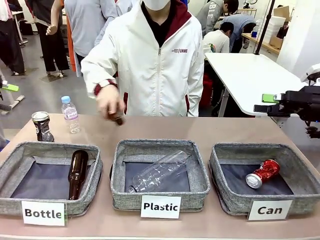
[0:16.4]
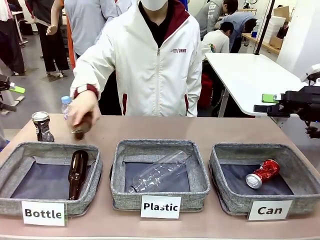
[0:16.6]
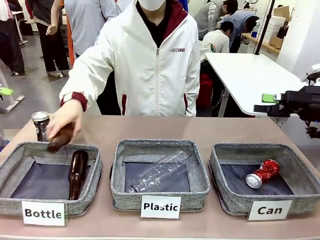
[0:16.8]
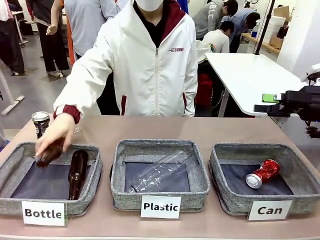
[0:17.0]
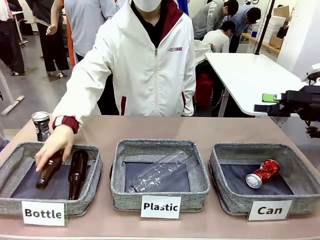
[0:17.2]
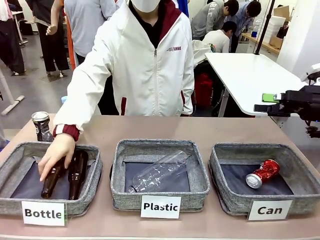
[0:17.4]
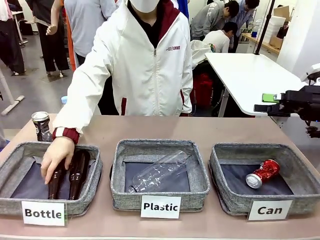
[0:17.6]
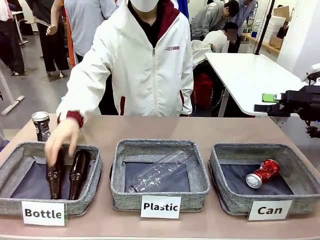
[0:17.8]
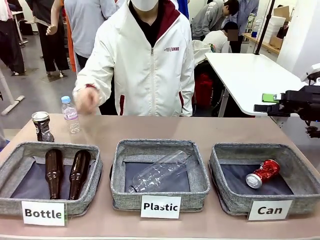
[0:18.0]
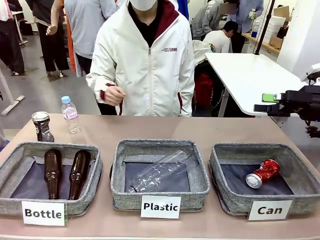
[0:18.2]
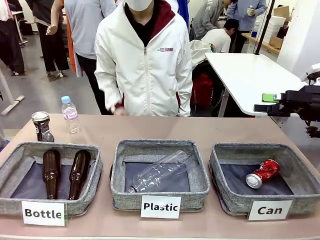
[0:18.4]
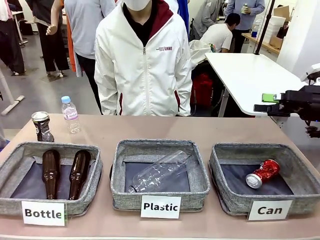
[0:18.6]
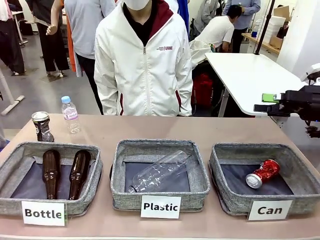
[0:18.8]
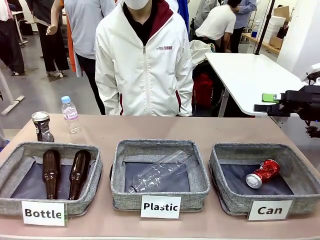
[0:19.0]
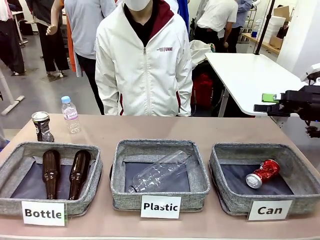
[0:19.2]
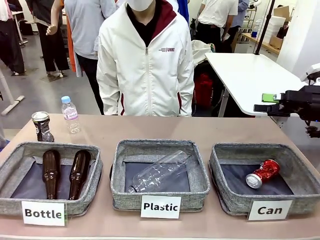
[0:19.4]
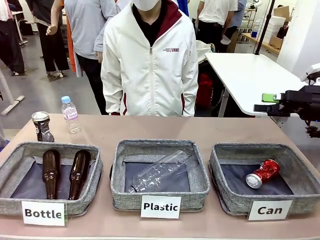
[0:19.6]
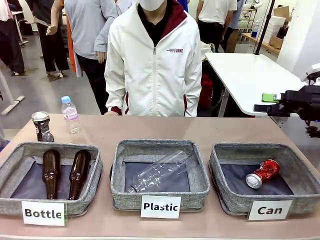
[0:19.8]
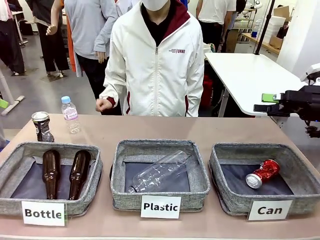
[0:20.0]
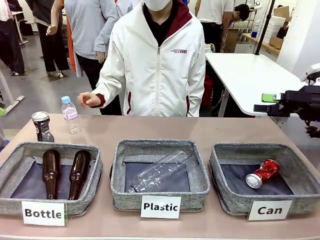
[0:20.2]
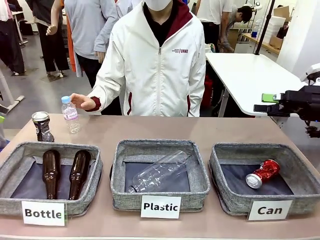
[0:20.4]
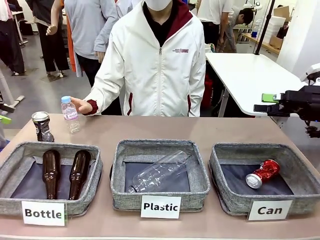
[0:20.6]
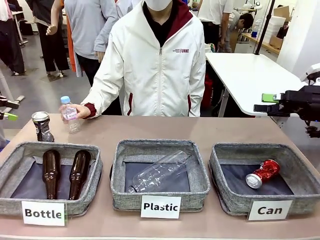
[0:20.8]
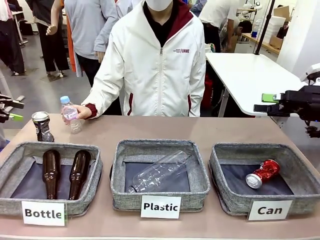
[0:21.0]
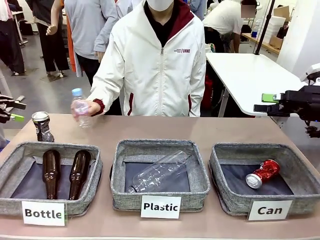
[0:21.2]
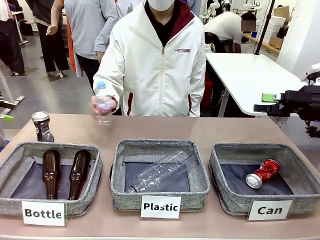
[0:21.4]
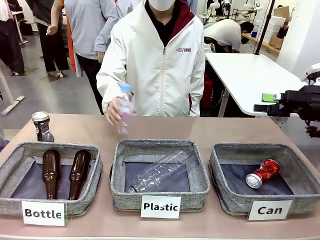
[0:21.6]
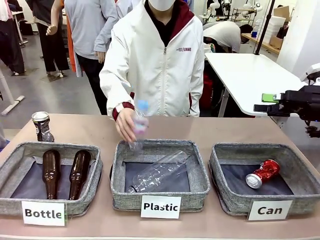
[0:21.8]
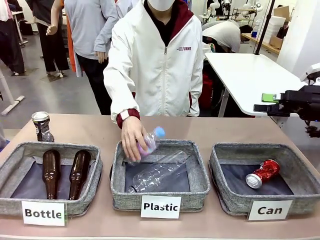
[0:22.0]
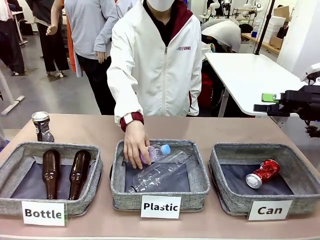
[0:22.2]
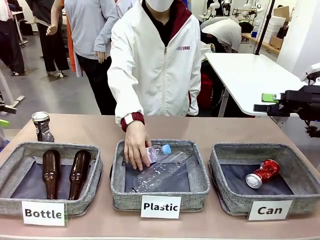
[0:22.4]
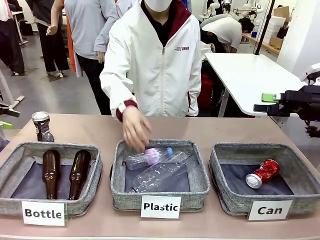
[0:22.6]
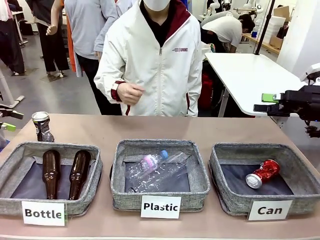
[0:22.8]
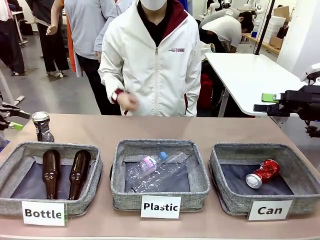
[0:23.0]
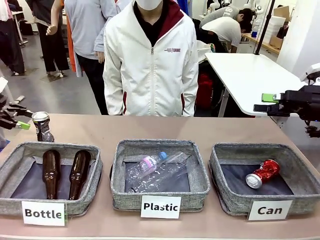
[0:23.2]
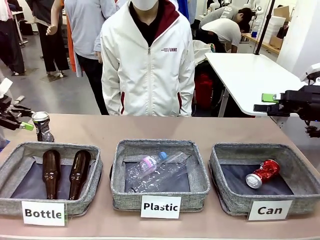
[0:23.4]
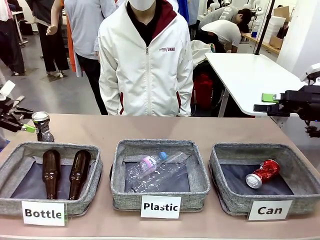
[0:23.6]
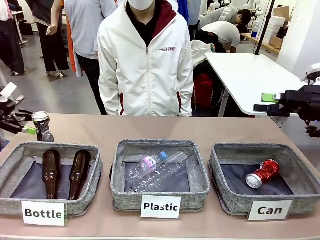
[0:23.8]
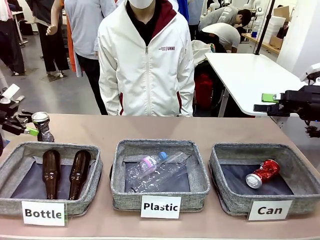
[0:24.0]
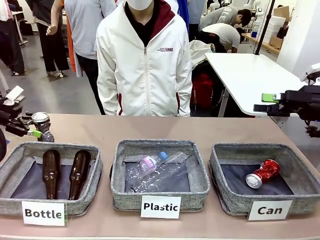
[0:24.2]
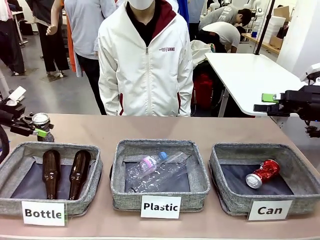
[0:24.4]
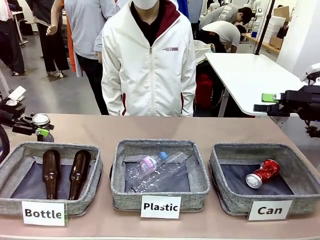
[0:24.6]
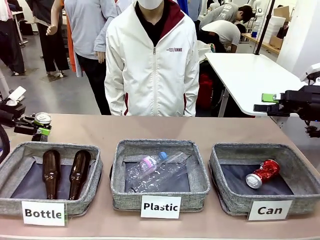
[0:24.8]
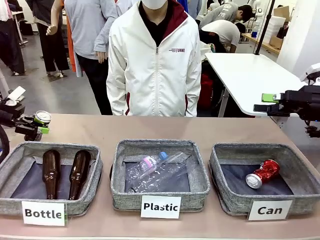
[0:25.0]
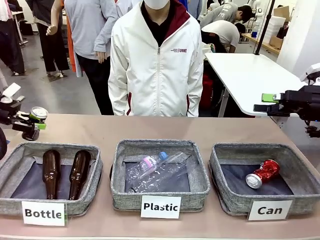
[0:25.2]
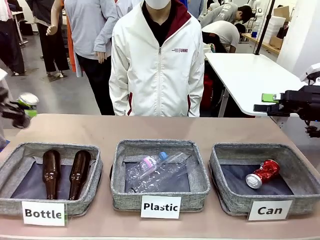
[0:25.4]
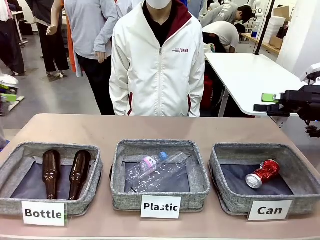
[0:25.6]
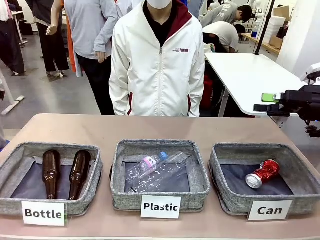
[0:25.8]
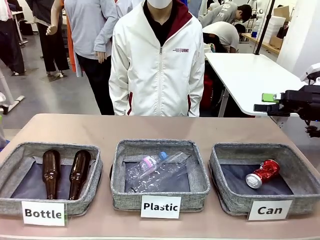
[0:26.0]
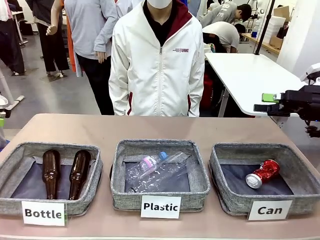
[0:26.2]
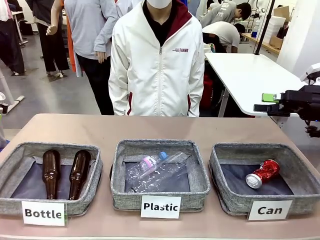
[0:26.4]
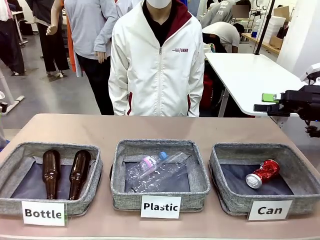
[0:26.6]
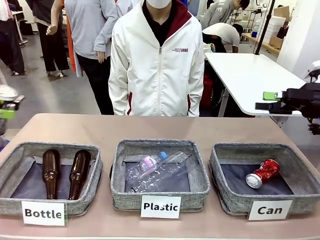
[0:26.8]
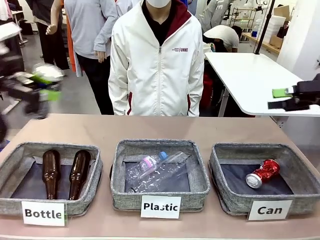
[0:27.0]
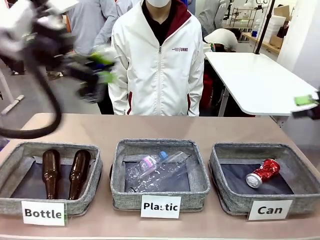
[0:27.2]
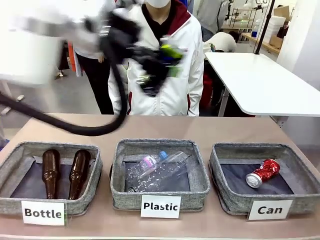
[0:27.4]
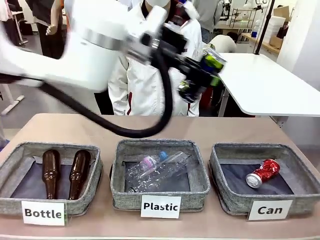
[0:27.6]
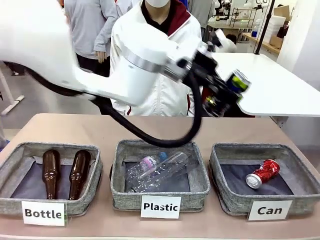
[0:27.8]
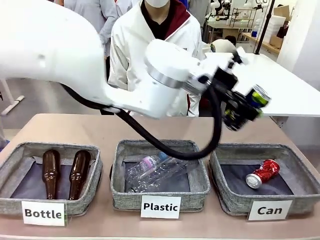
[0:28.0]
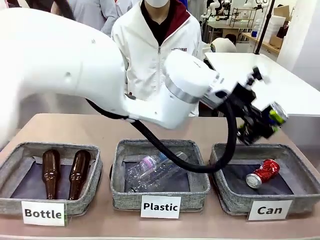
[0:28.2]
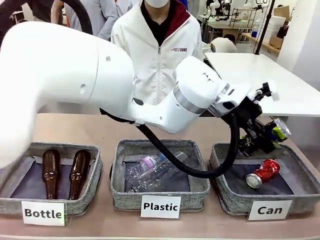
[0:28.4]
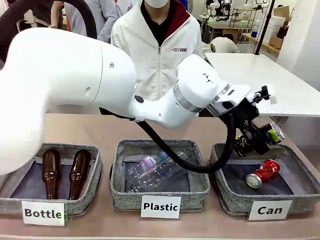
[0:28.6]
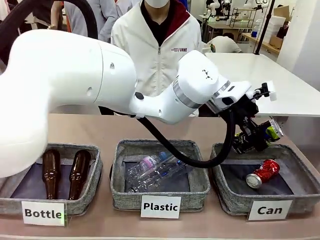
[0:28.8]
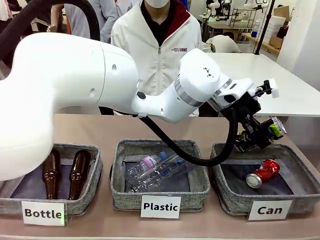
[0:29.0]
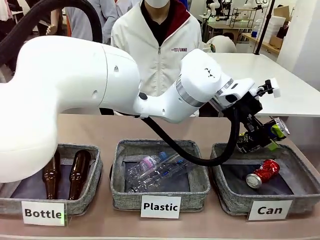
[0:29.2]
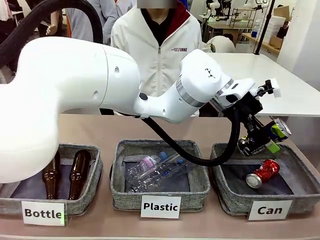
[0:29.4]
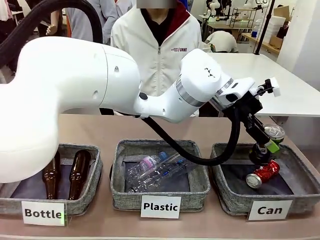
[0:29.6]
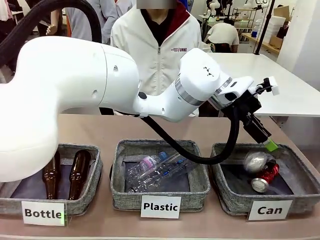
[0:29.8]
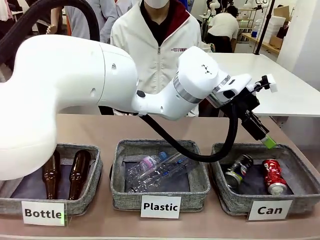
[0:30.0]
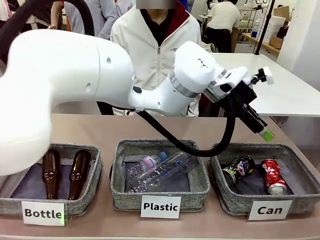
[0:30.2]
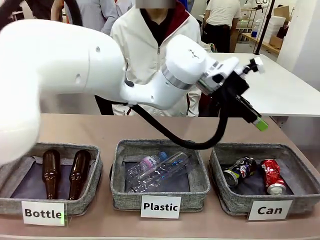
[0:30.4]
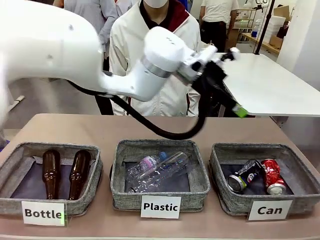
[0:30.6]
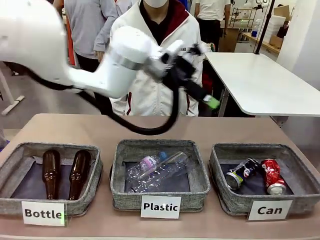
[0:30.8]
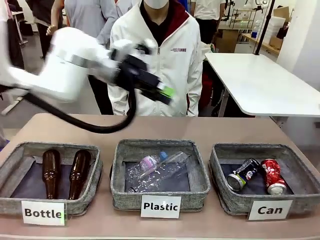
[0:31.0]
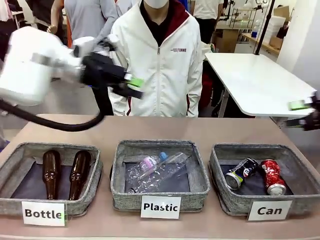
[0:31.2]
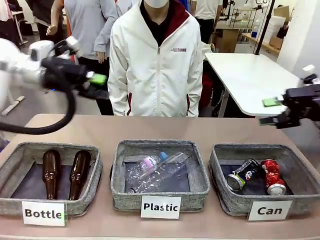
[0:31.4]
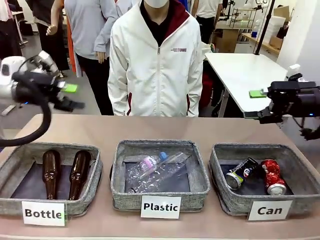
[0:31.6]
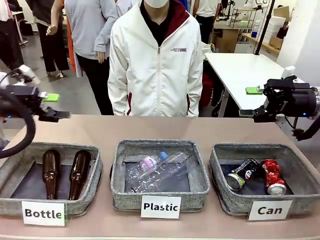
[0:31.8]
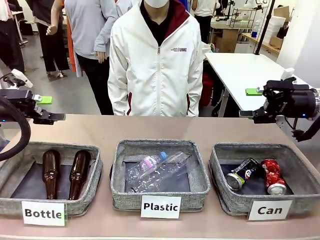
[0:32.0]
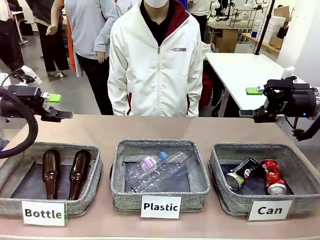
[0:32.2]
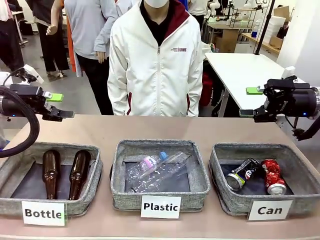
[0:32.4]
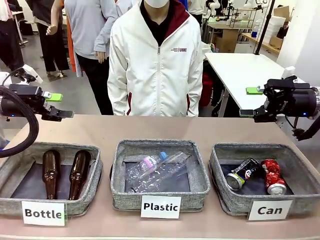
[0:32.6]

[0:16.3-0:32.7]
Task: Sort the can waste into the basket.
Robot: Pick up the can waste from the table and place it in the right Fabric basket.
Person: The human picks up one piece of trash that is not a can and places the trash into the appropriate organizing basket.
